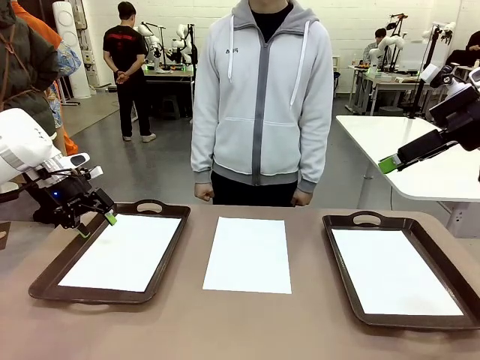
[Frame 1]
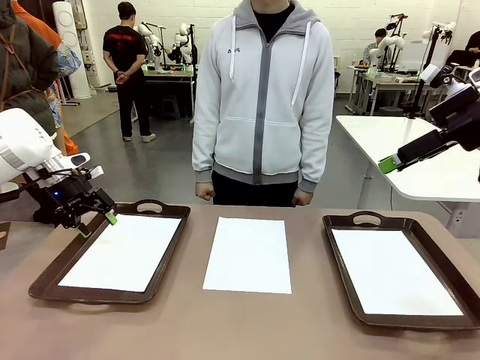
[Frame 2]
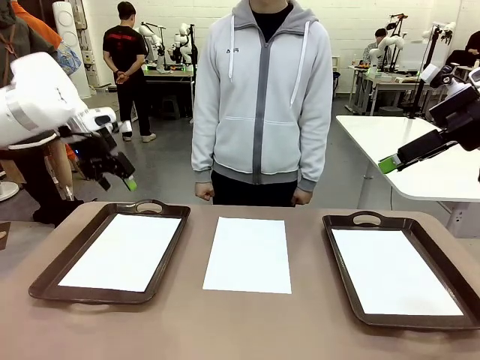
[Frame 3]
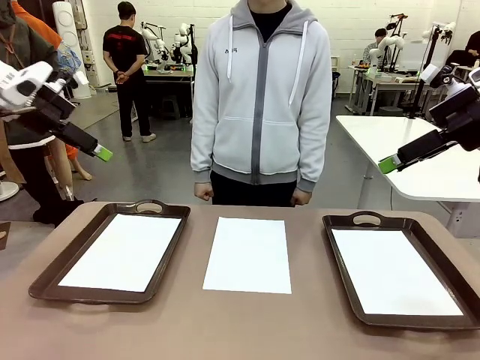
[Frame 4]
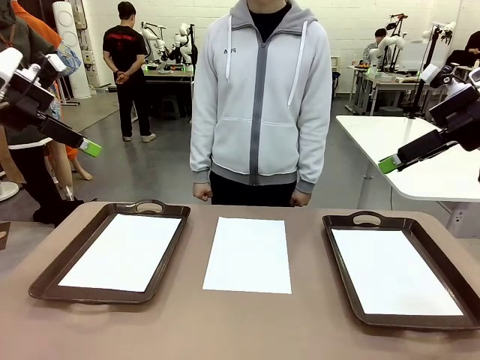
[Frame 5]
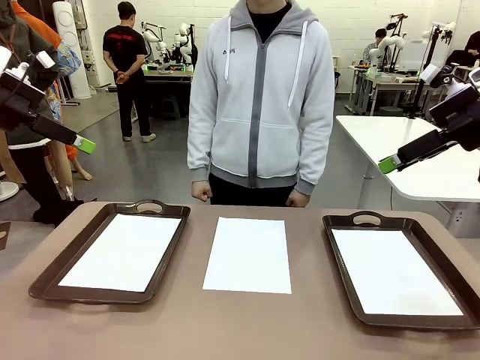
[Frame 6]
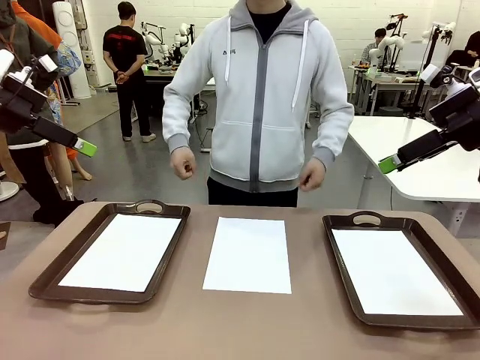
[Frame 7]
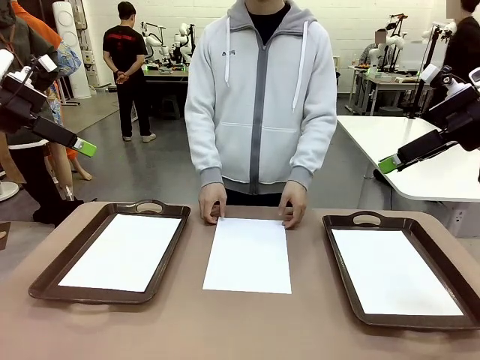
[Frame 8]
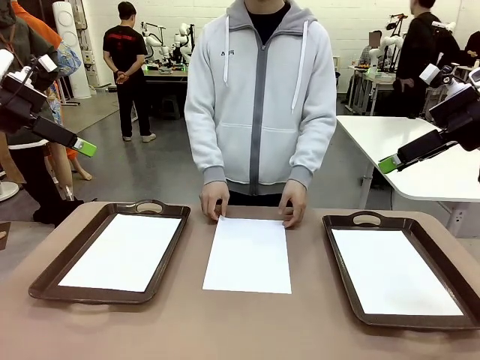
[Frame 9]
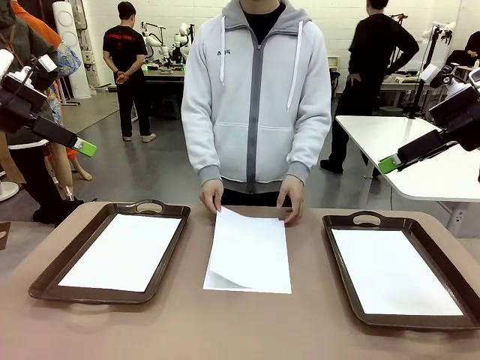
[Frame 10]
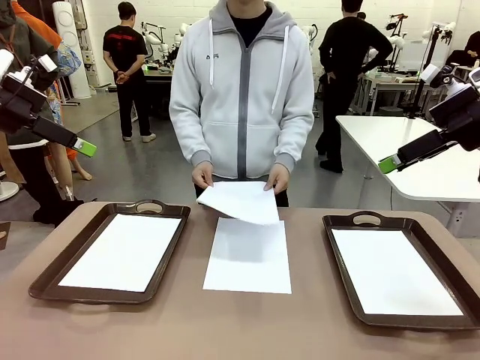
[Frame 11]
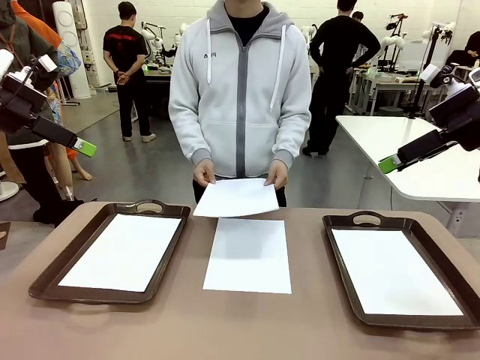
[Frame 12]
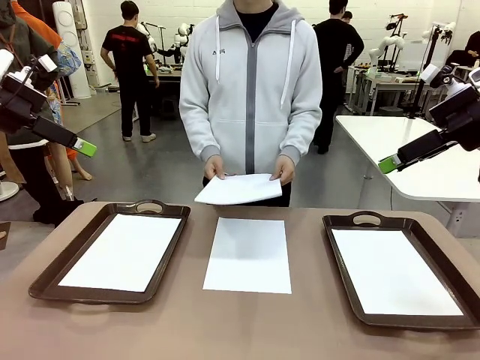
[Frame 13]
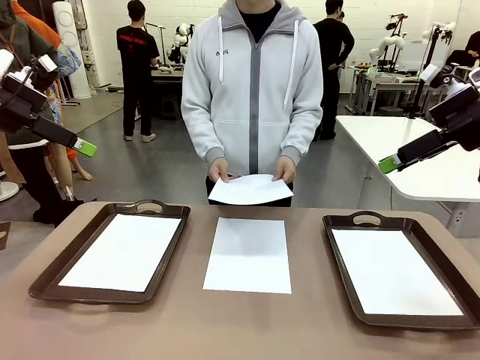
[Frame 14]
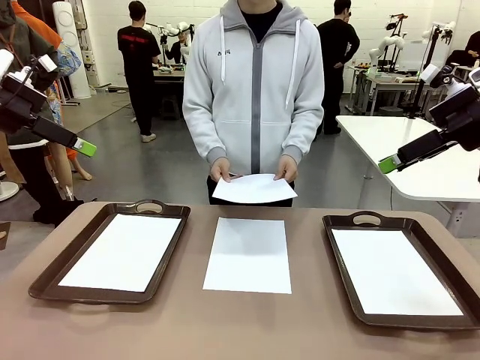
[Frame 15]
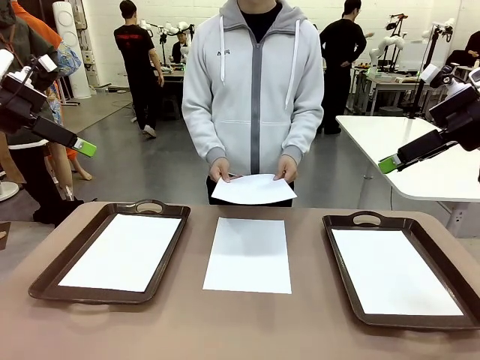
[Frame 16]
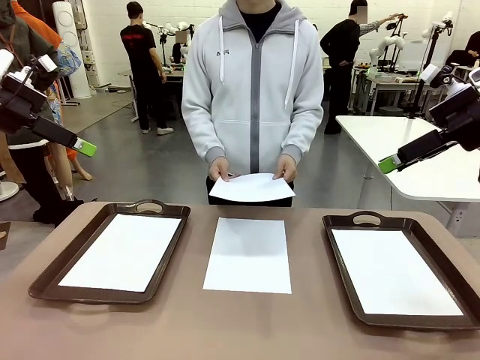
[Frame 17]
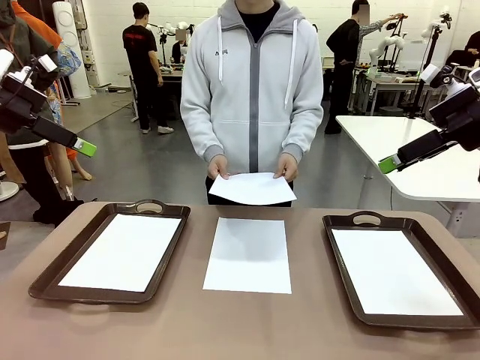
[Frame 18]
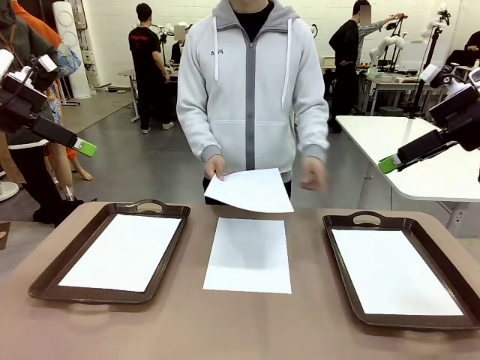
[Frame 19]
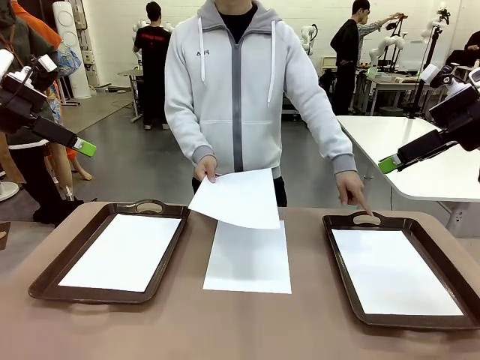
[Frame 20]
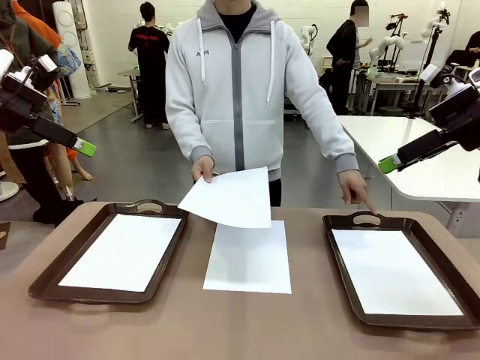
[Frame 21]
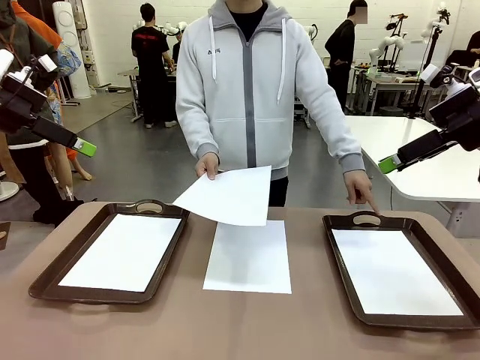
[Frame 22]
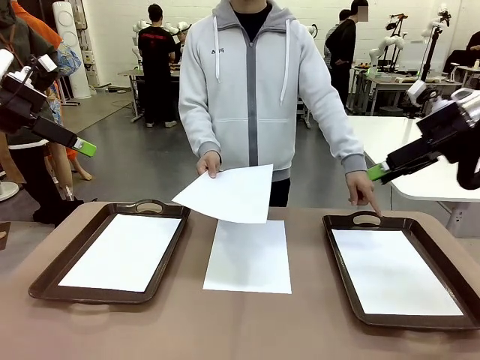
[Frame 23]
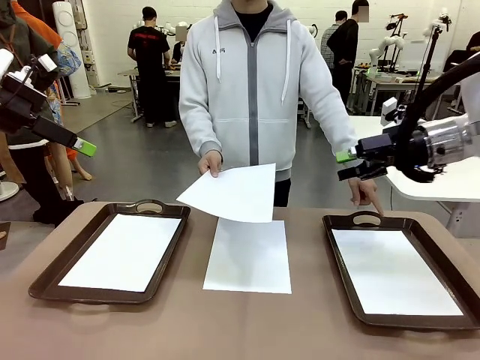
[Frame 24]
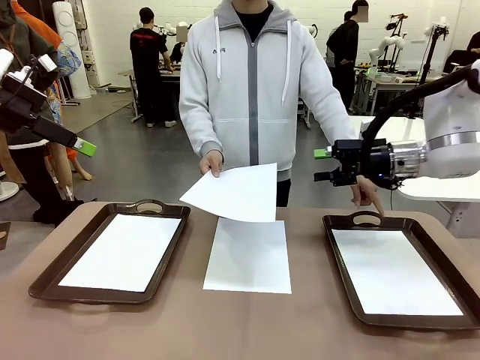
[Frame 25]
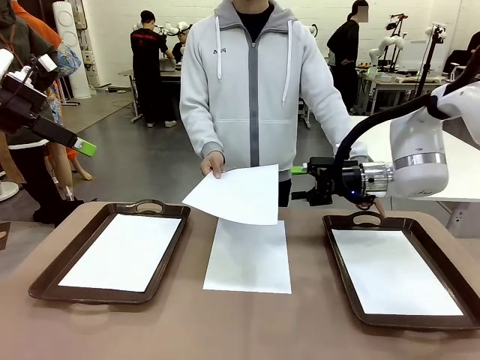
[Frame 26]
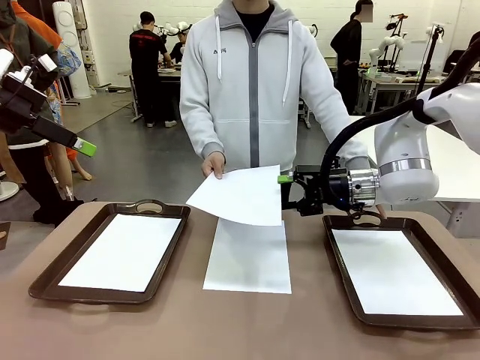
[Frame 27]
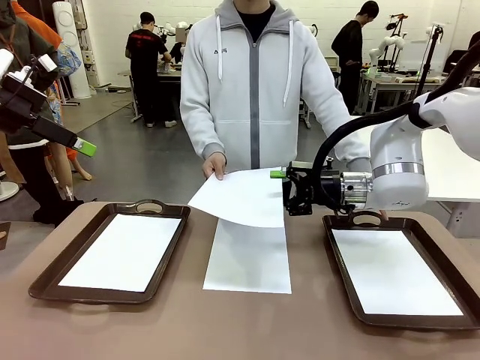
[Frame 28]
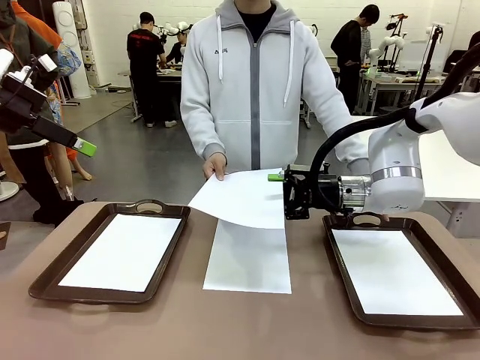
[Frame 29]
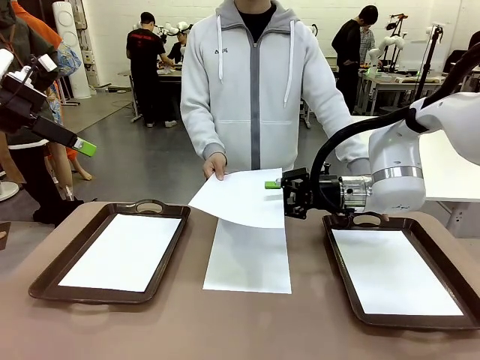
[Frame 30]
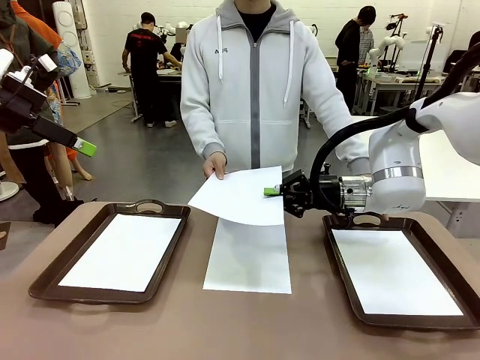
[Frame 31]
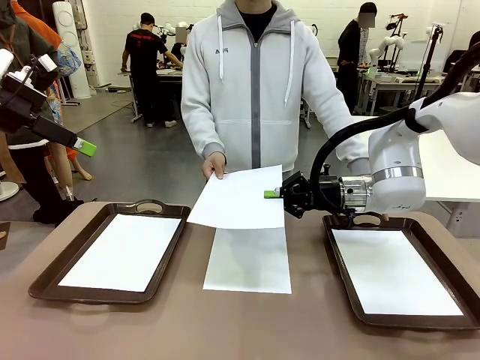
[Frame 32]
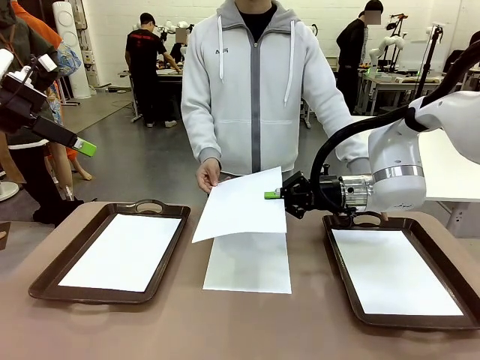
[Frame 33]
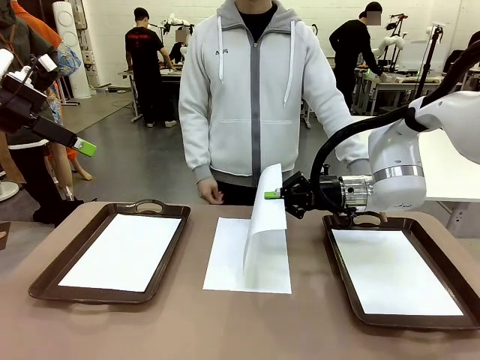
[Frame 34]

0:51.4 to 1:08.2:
Task: Sort the A4 documents.
Robot: Receive the A4 Paper.
Person: Point the randomly selected tray with the other hand.

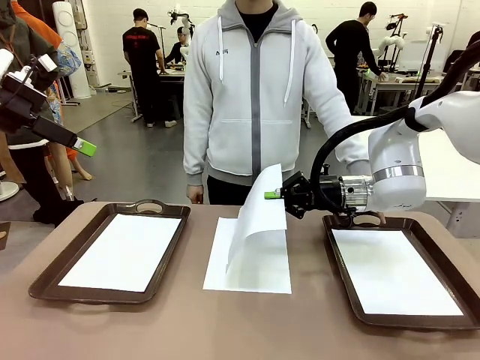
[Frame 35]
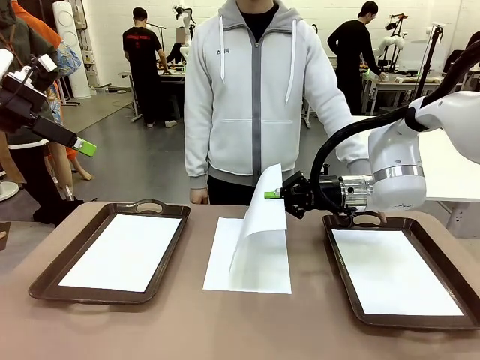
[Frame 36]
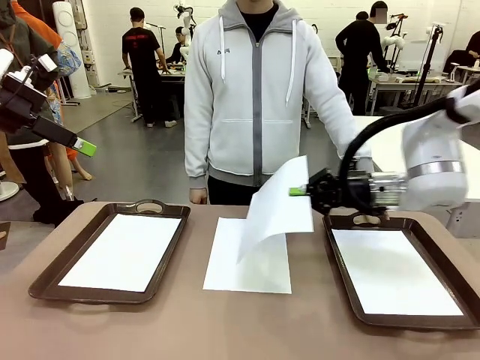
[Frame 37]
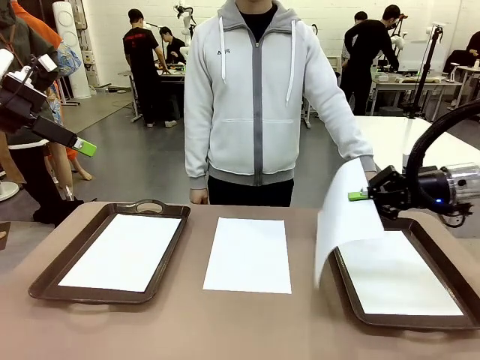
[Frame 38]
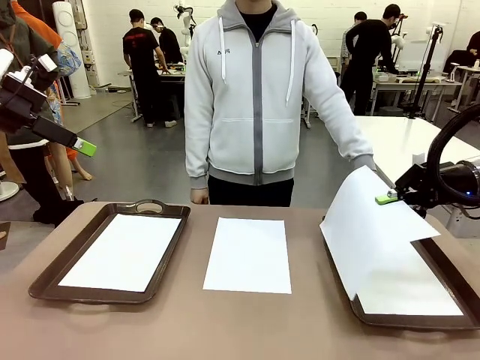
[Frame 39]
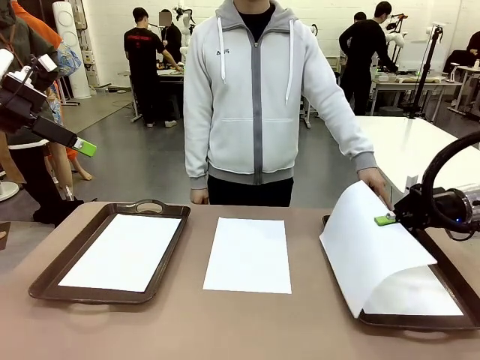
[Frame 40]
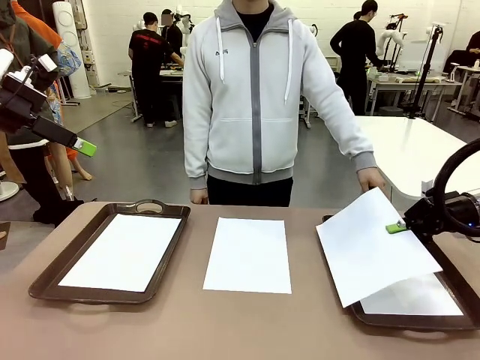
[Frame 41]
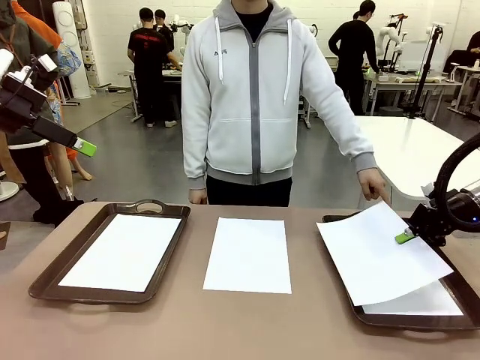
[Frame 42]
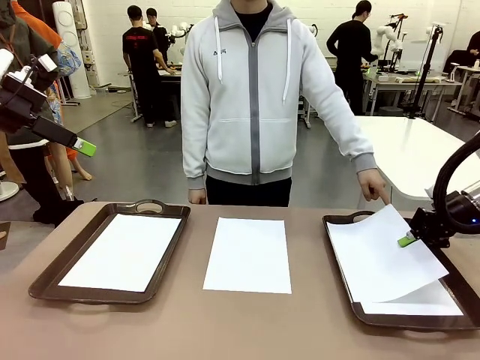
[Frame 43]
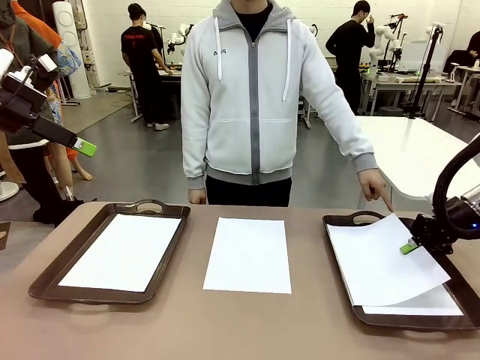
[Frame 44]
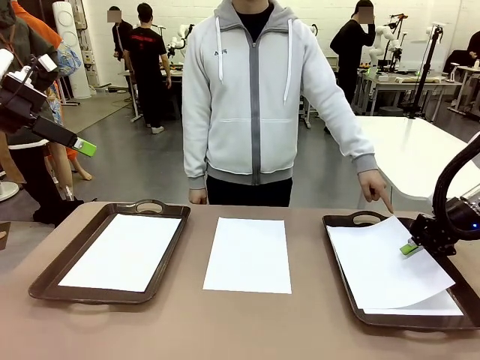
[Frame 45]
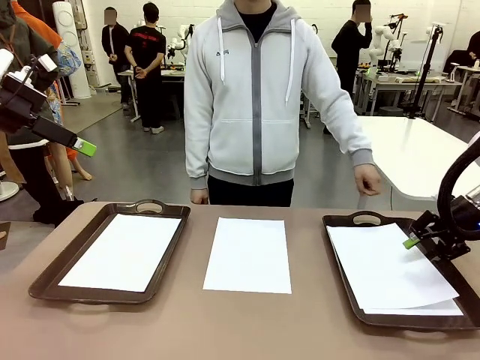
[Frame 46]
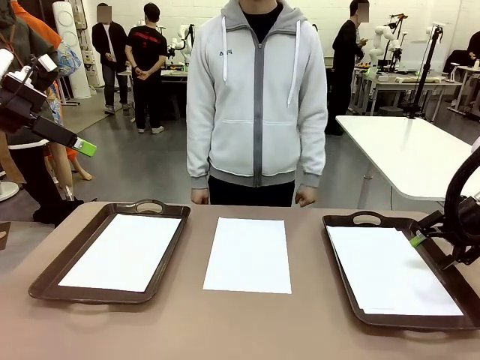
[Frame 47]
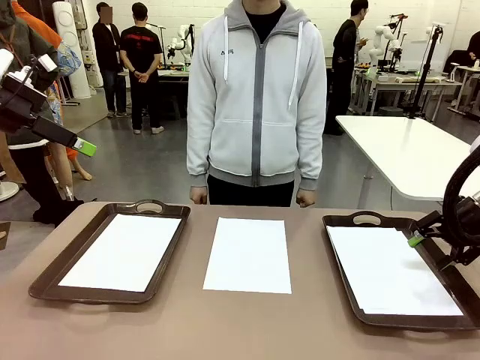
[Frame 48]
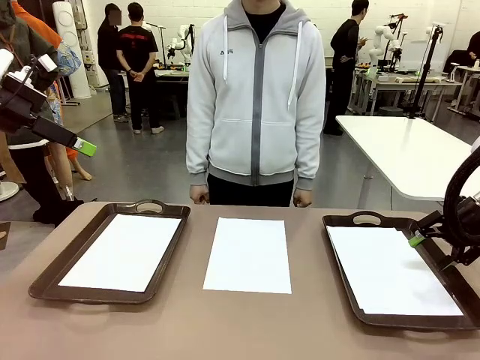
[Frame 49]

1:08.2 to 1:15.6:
Robot: Place the A4 Paper in the designated Handle tray.
